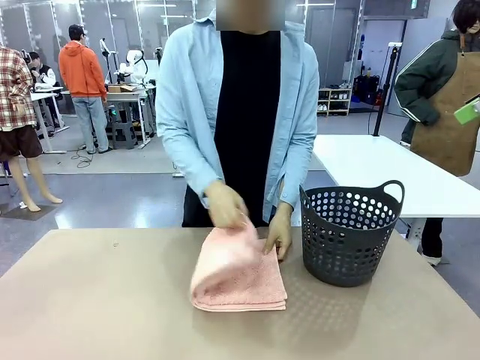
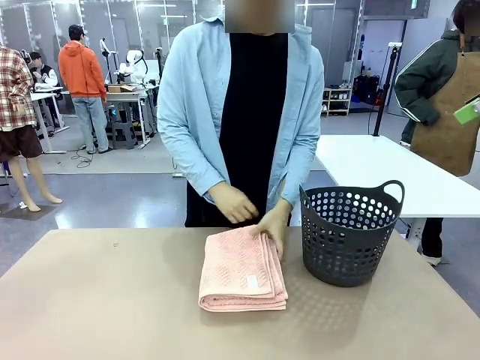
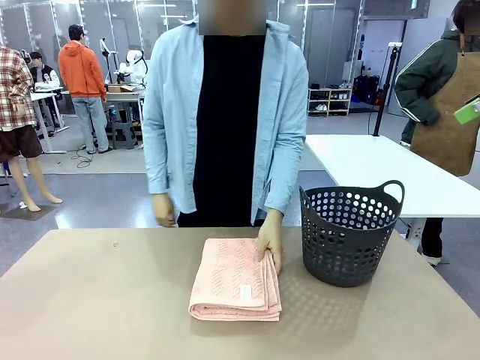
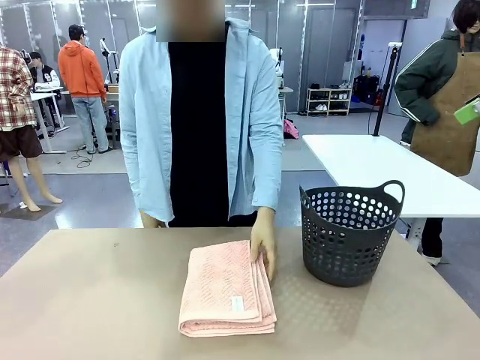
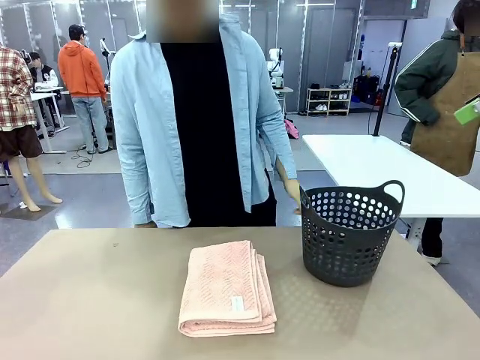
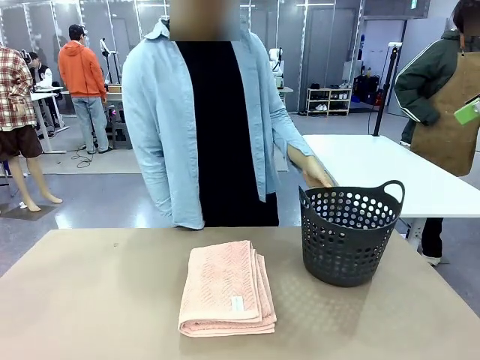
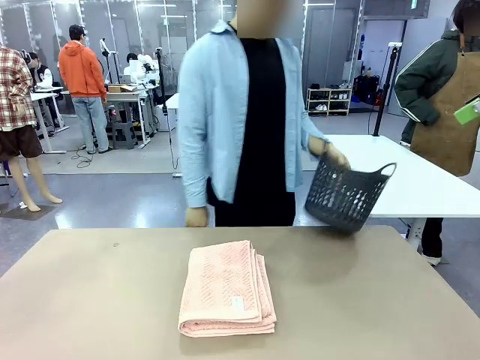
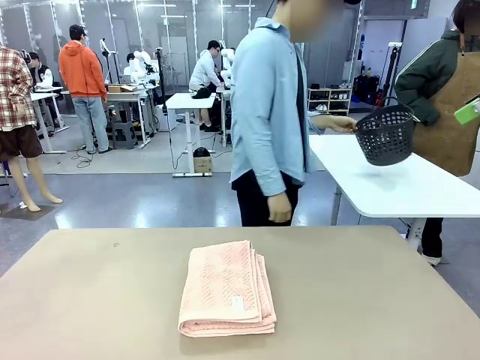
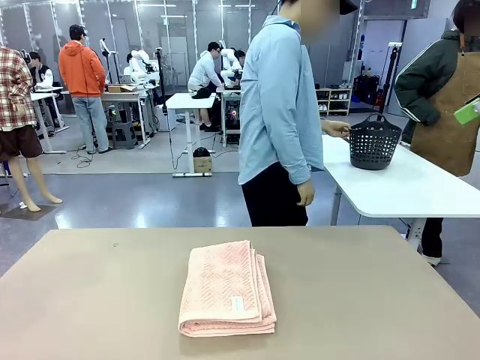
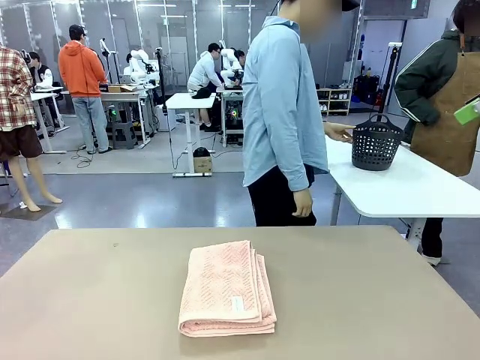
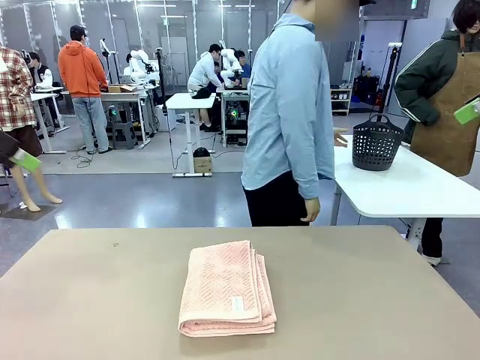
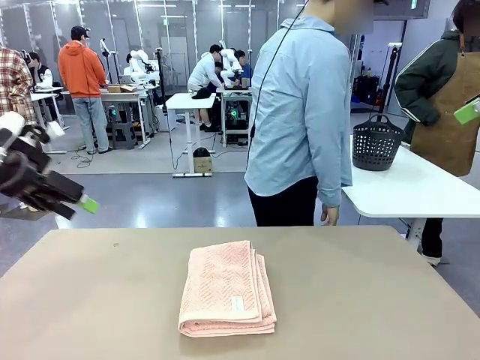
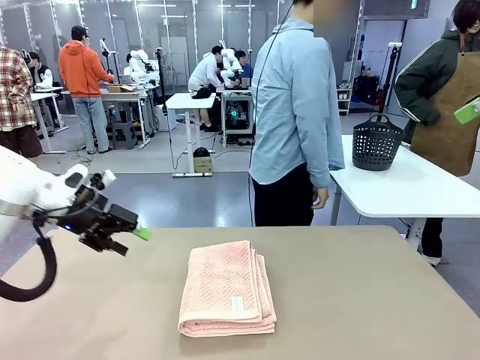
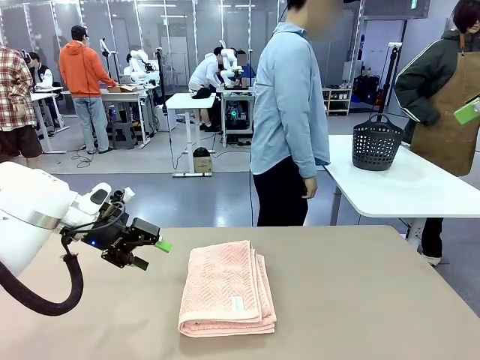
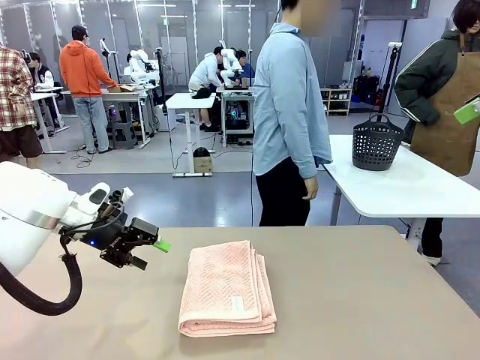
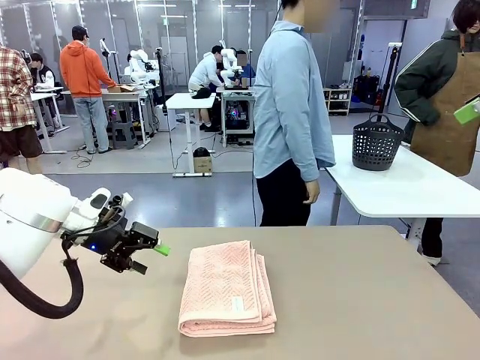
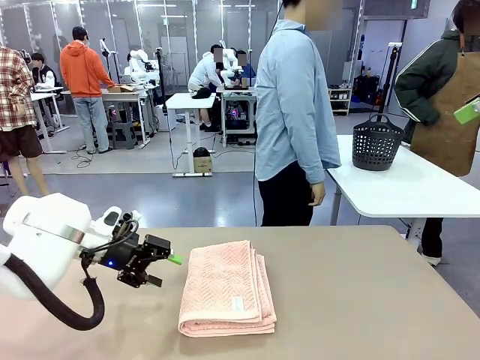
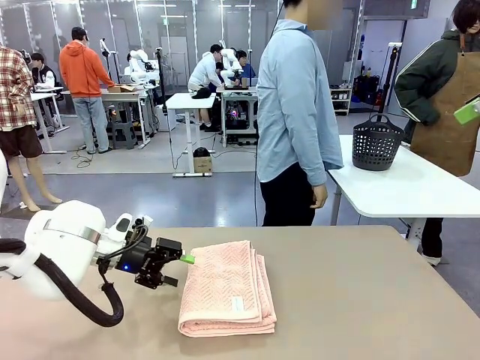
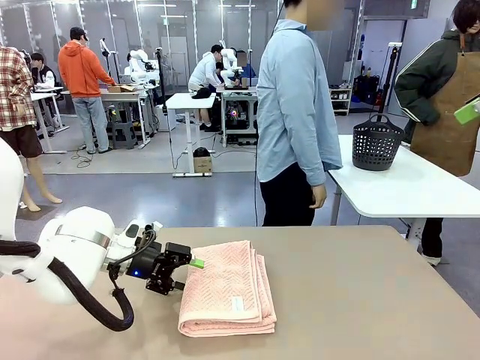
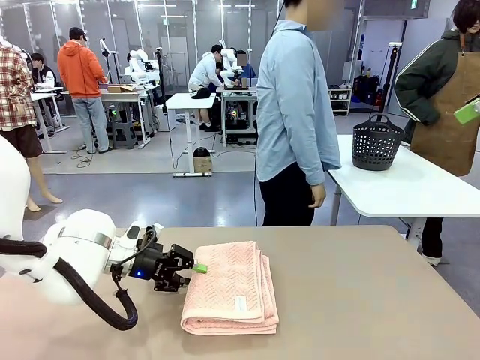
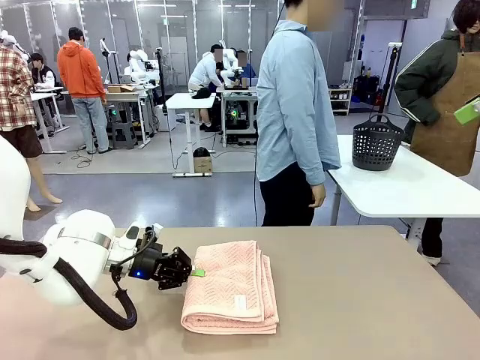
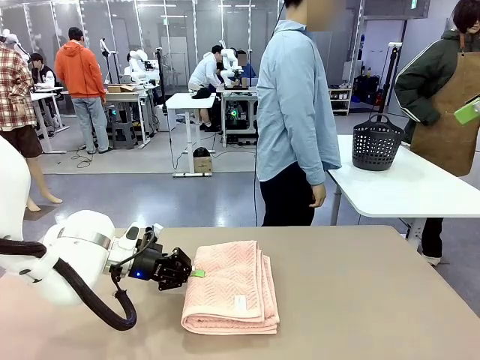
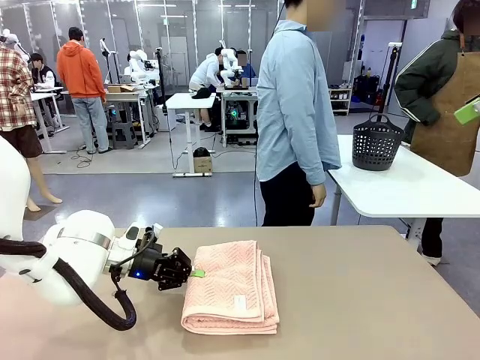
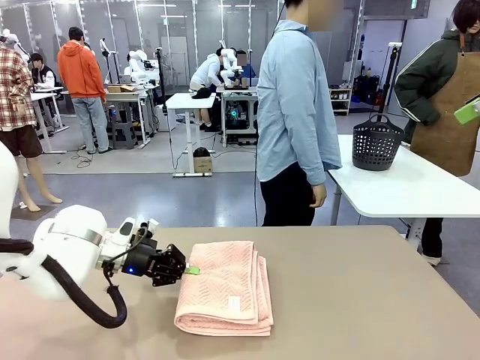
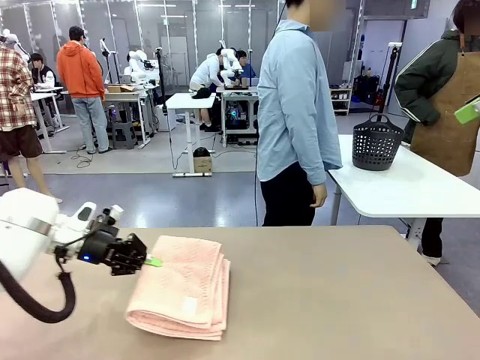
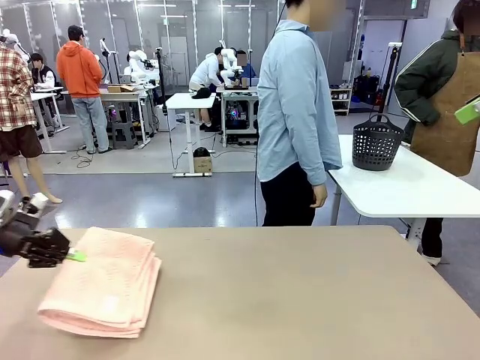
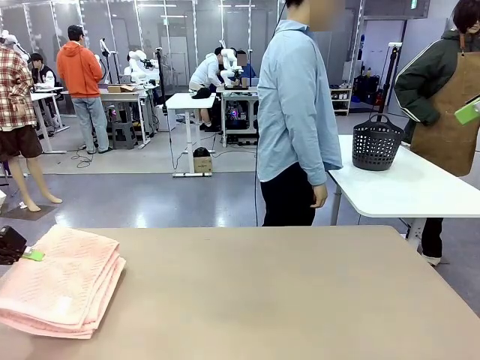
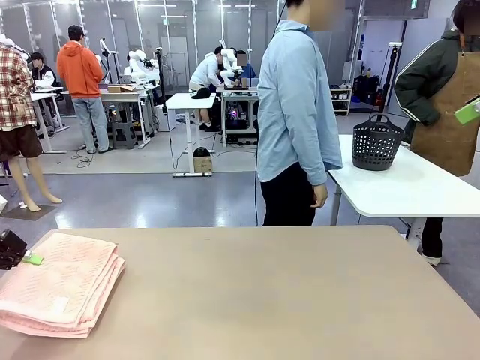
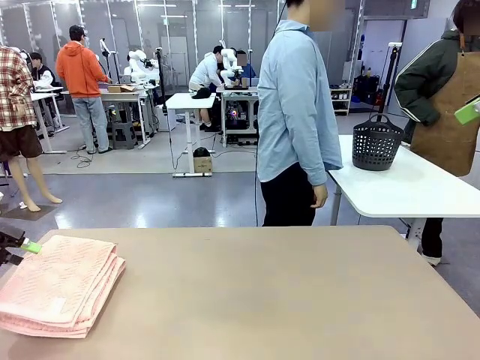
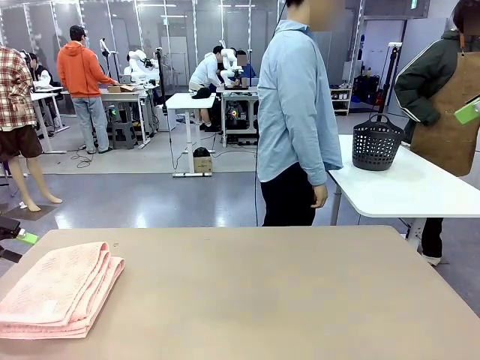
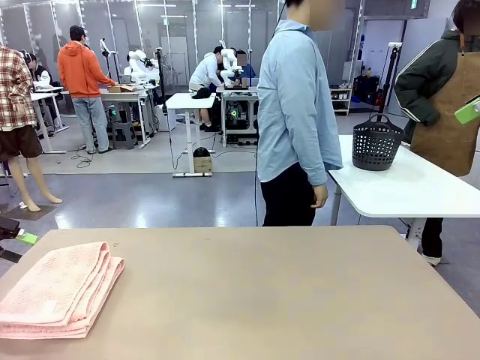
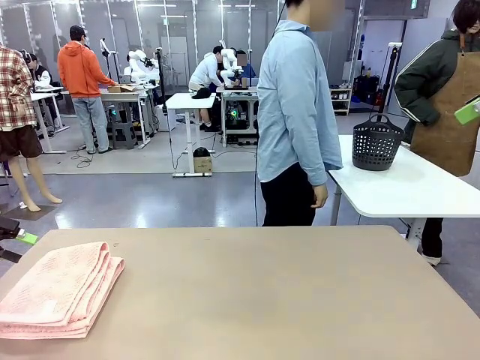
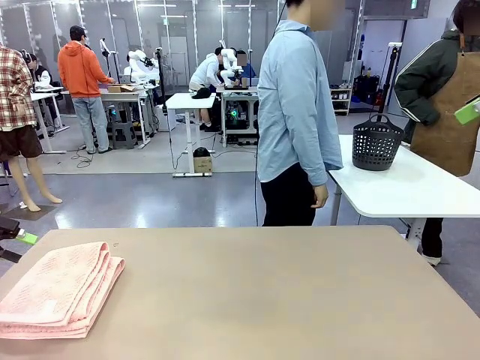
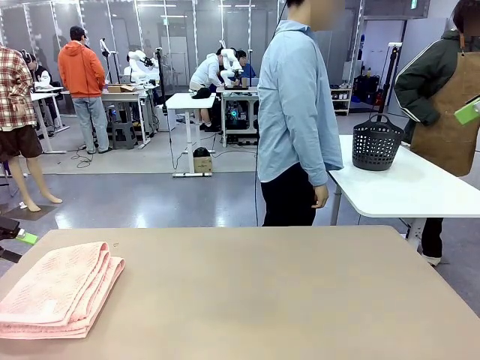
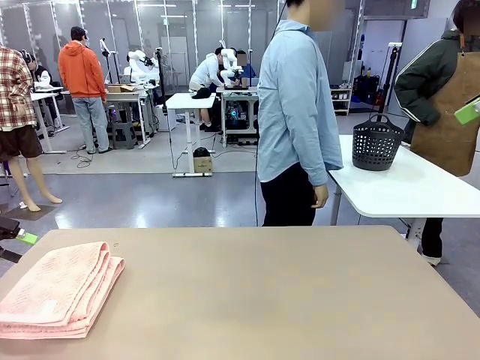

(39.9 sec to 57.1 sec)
Task: Fold the towel.
Robot: Pick up the 100 cm Hotel Towel and place it on the left side of the table.
Person: Pick up the laundry basket and place it at the center of the human table.
